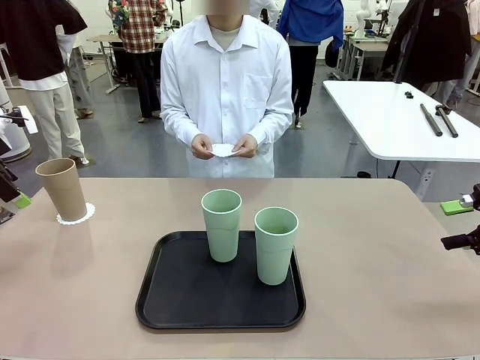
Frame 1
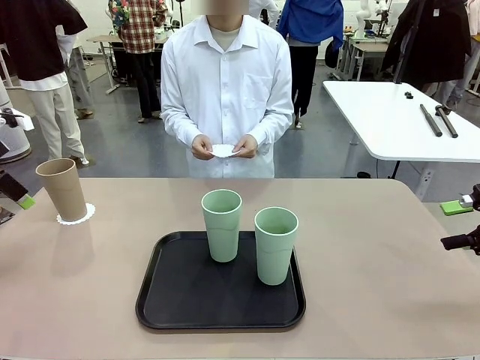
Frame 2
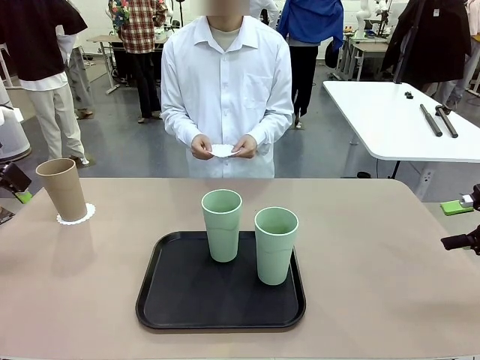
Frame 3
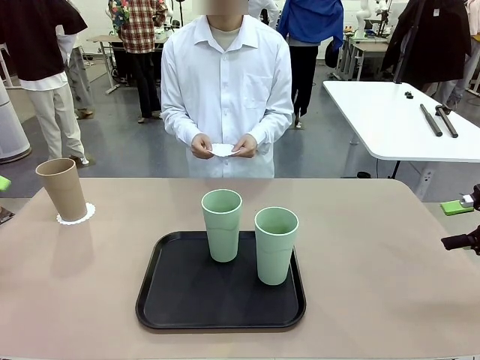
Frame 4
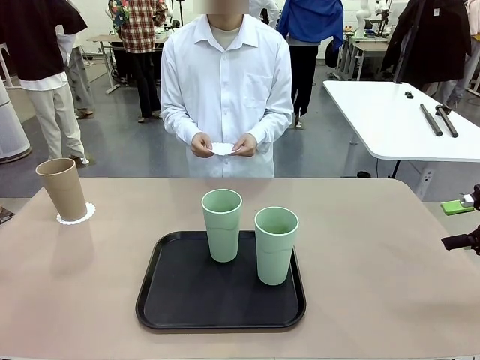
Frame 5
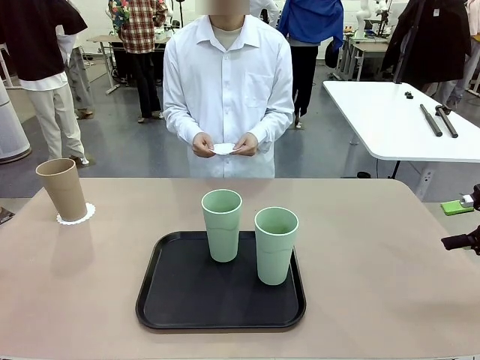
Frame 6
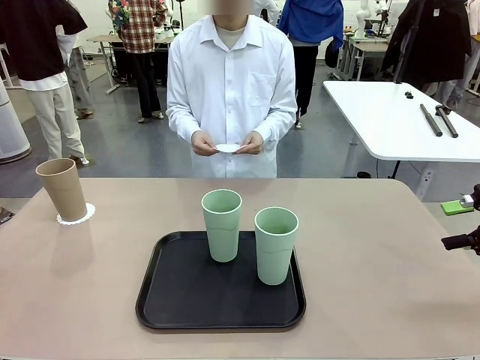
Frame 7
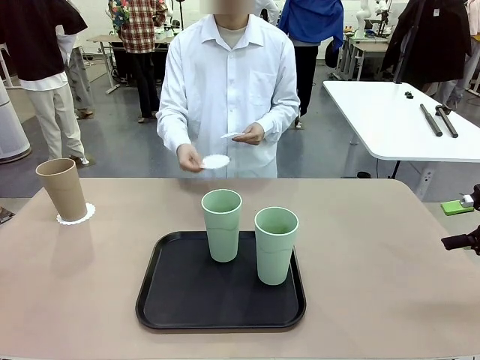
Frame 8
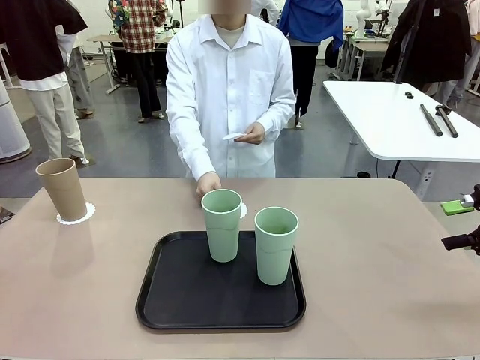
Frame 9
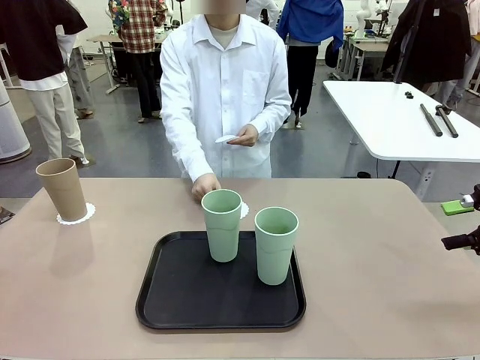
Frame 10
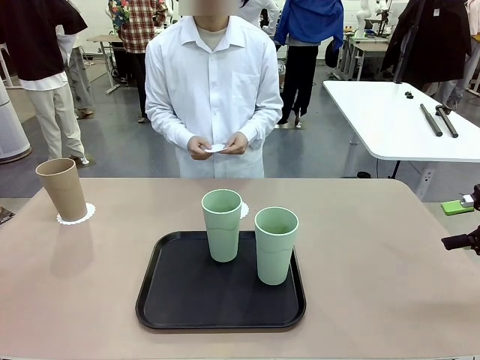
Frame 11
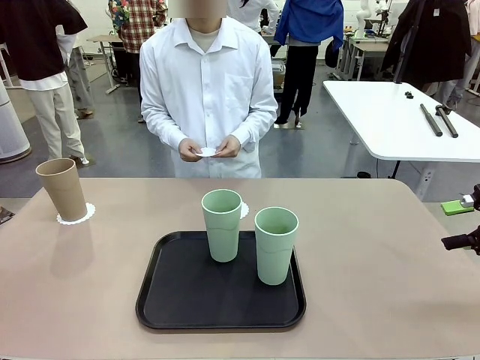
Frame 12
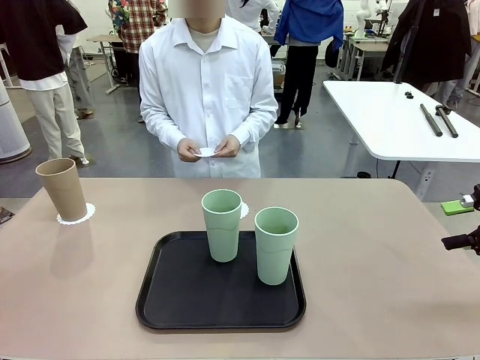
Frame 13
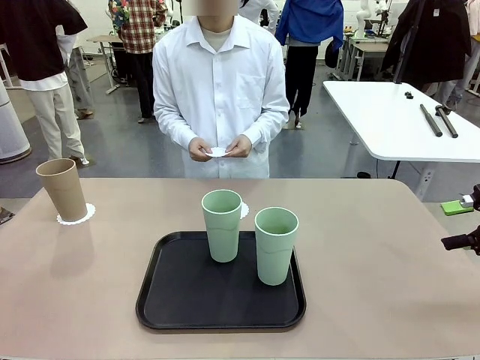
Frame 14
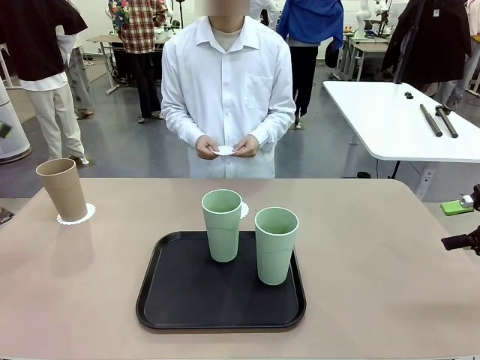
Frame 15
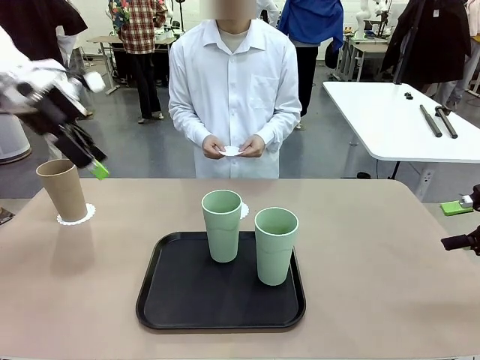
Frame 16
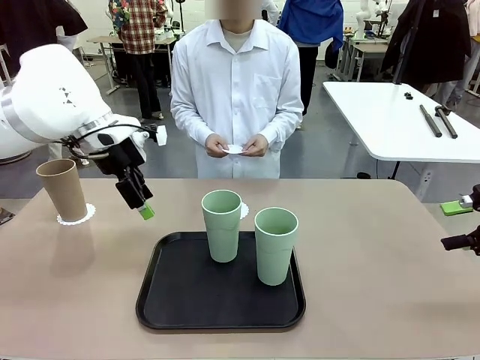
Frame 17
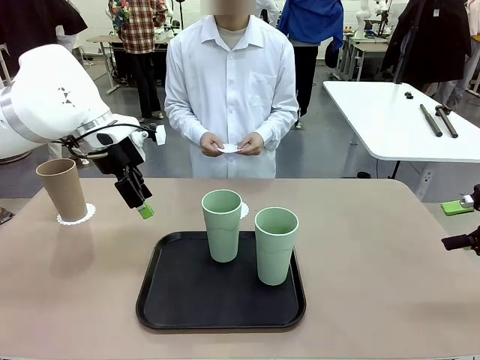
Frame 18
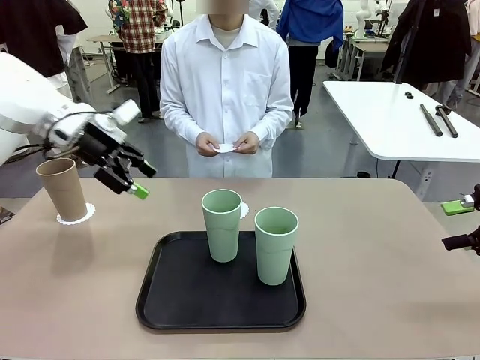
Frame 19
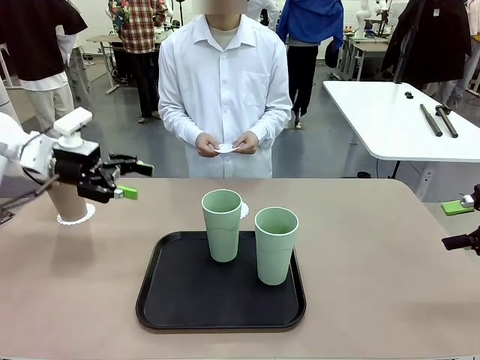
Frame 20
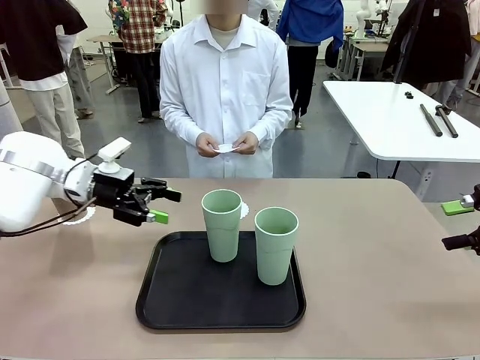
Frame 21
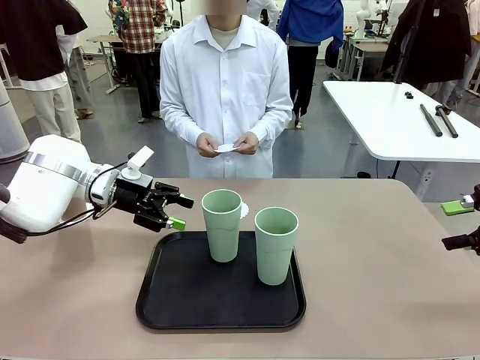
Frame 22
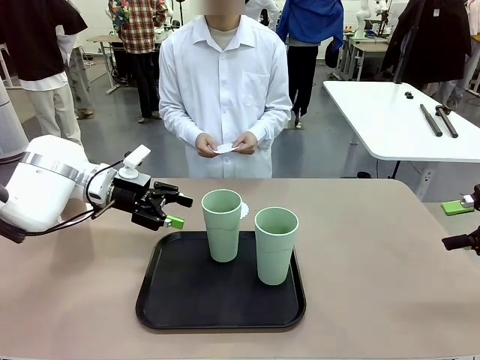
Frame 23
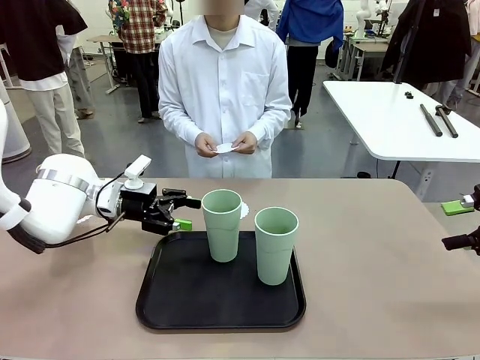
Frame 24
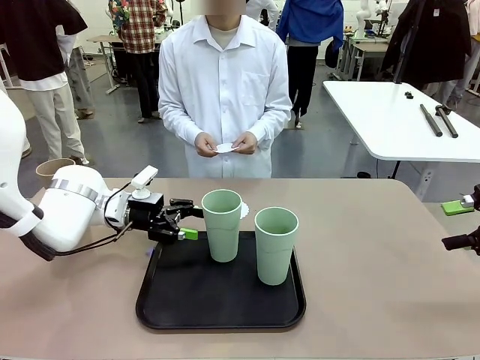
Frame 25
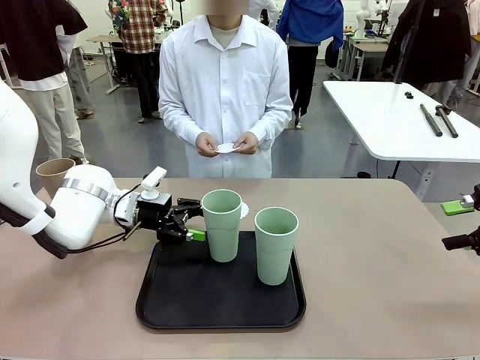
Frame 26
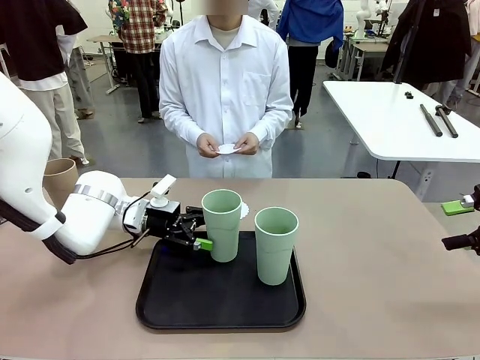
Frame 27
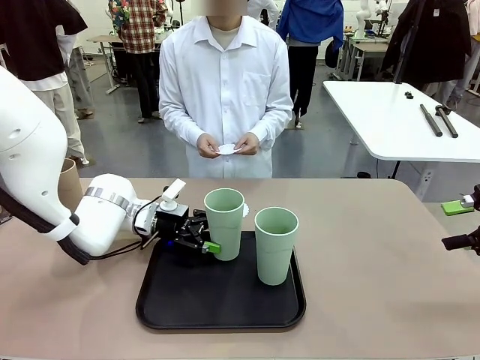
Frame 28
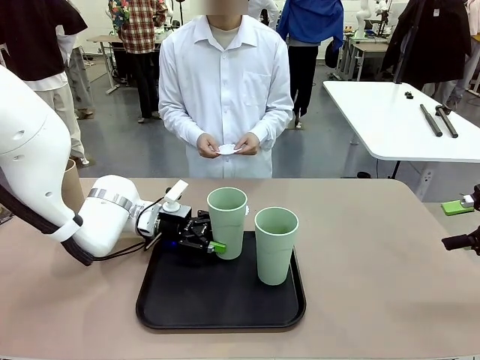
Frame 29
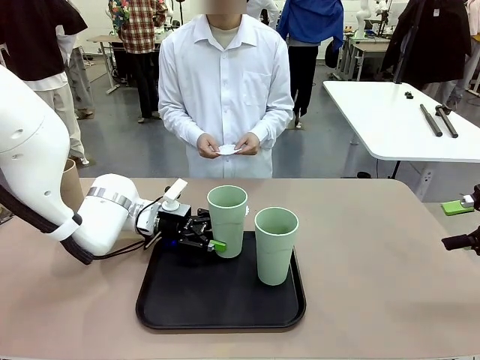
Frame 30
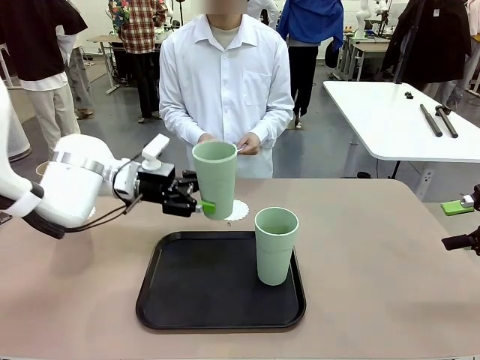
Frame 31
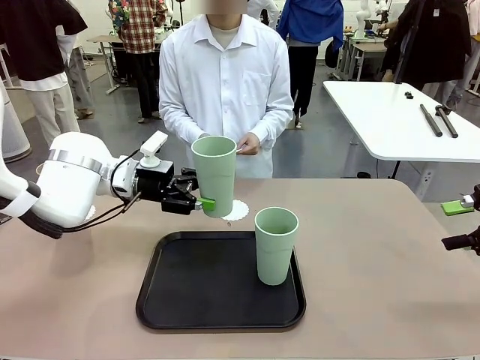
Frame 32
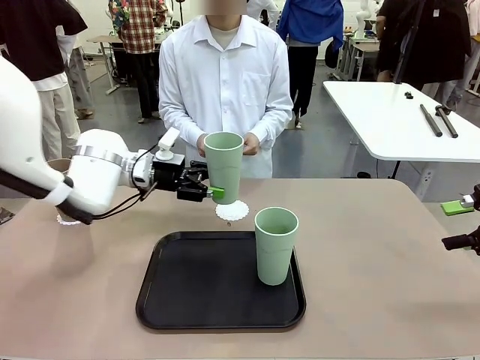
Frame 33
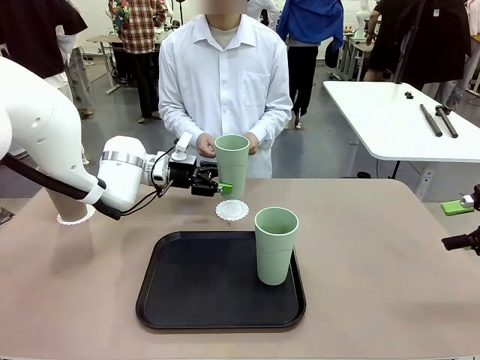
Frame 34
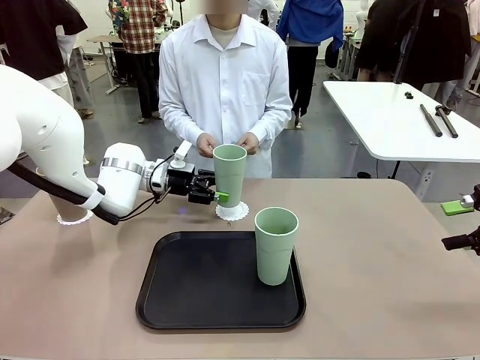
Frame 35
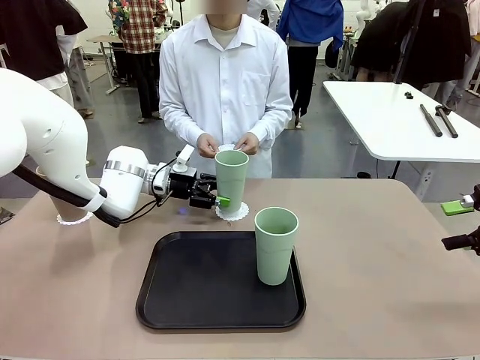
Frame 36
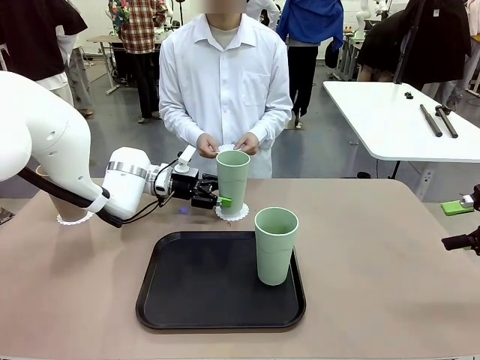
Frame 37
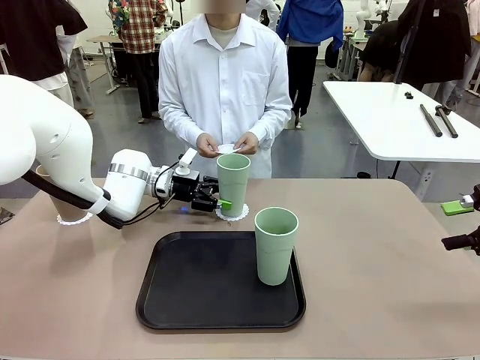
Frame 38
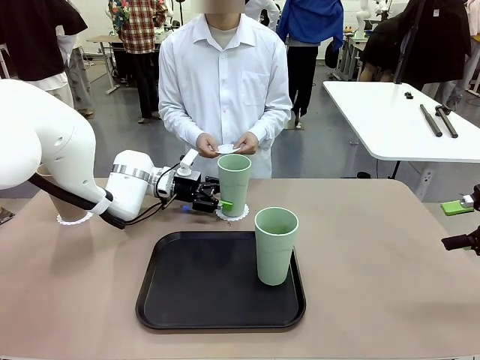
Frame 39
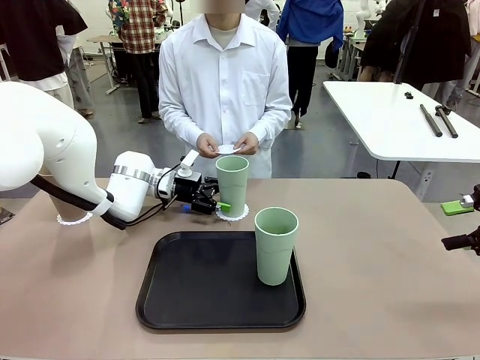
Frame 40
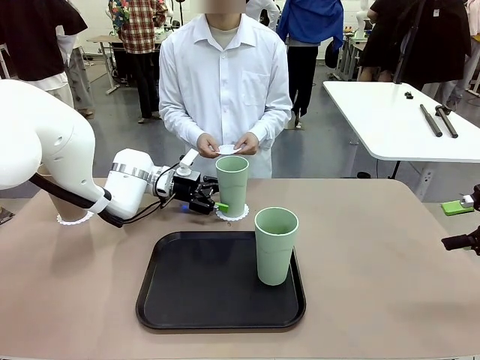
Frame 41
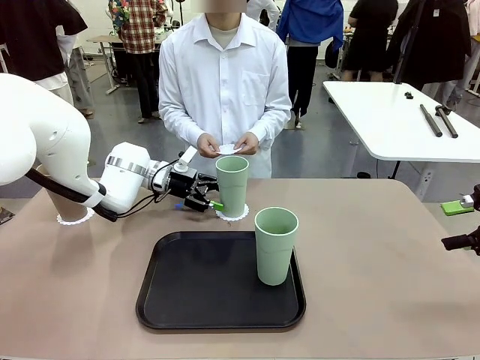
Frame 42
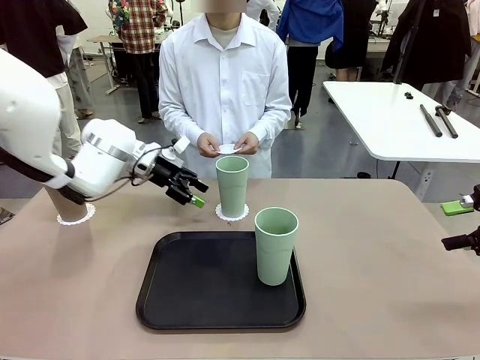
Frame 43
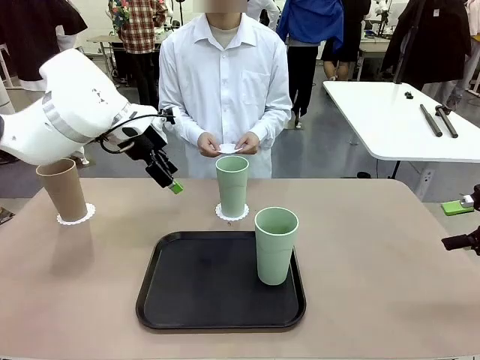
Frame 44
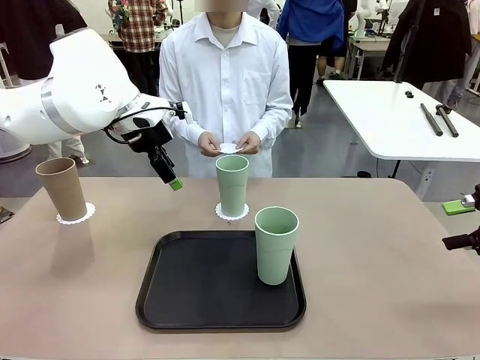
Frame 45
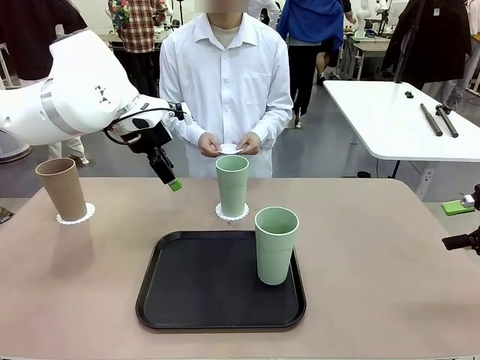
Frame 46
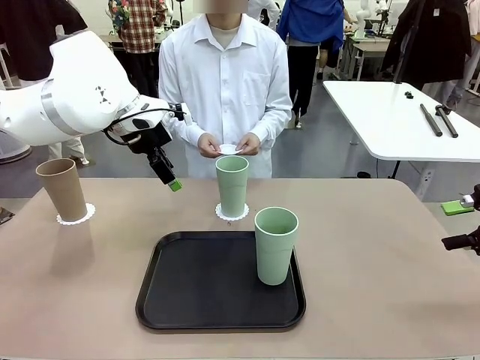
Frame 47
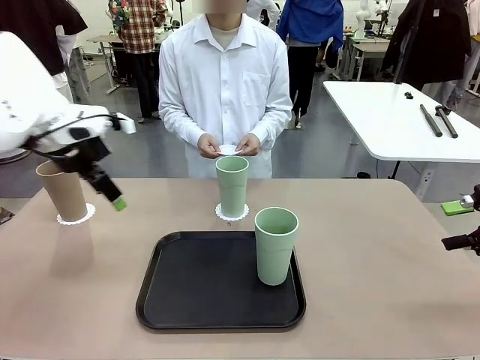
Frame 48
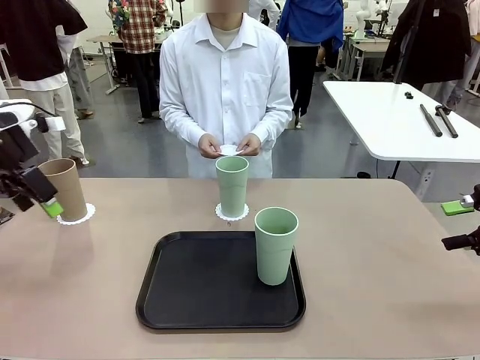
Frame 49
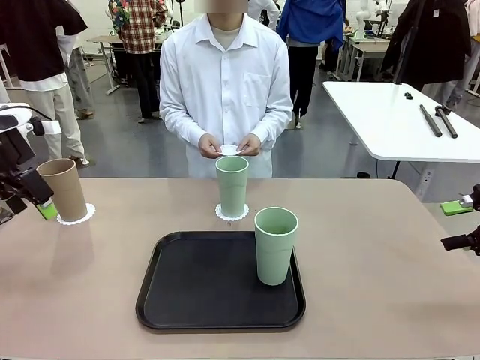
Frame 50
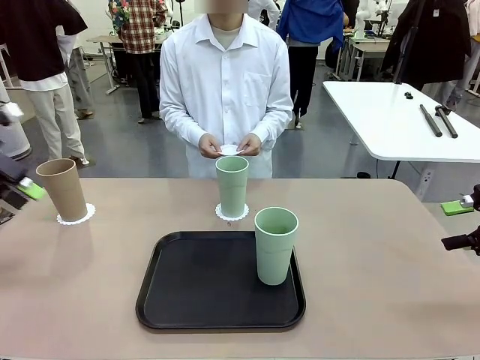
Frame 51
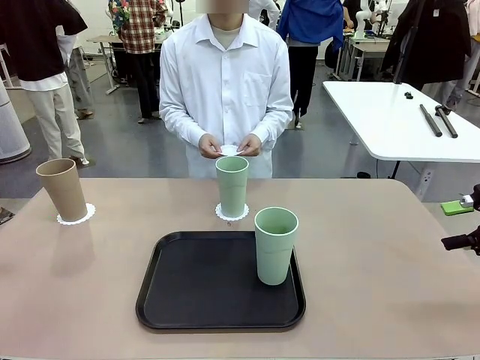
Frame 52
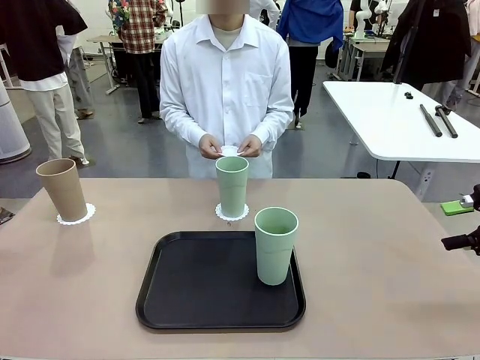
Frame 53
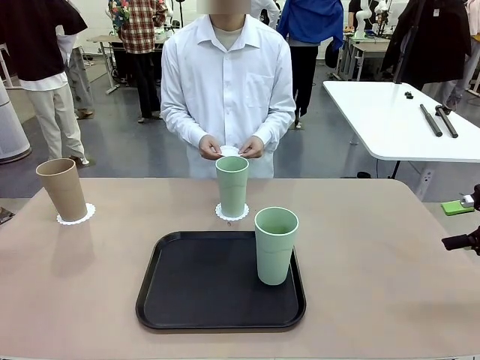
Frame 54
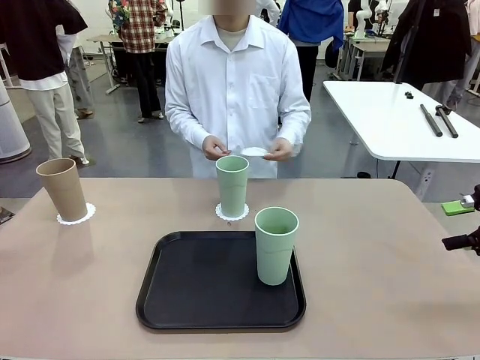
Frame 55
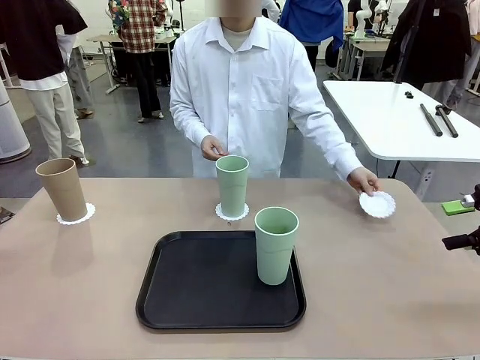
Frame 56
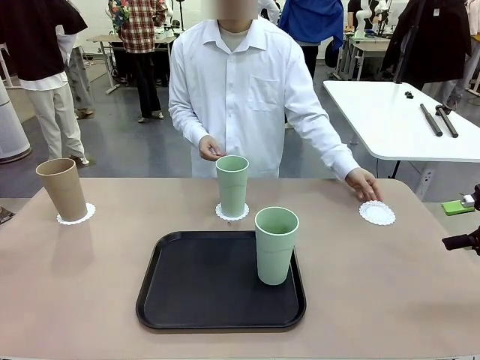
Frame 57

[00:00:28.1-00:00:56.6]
Task: Place coasters on the table and set cups on them.
Robot: Take one Reusable plastic cup from the Flat Tray and place it on a coaster set by the human.
